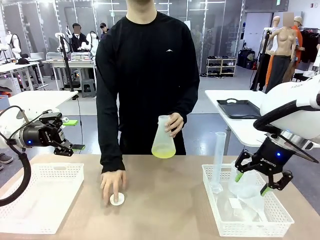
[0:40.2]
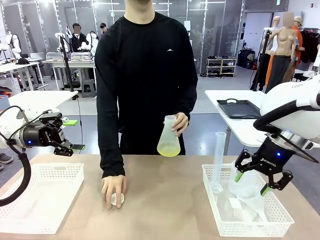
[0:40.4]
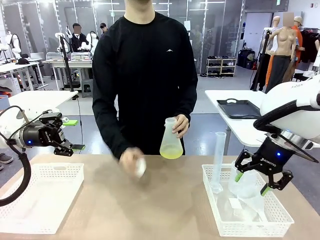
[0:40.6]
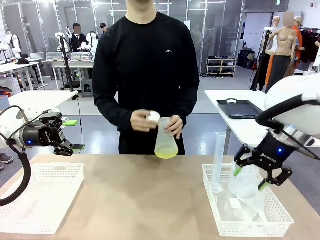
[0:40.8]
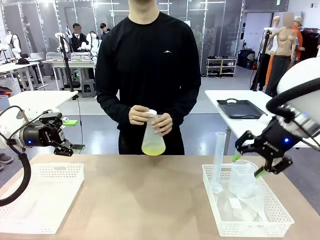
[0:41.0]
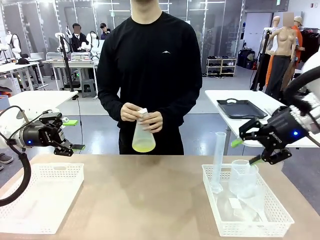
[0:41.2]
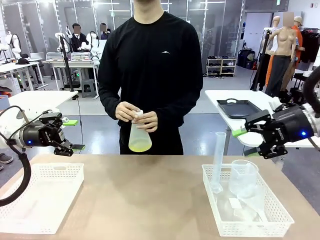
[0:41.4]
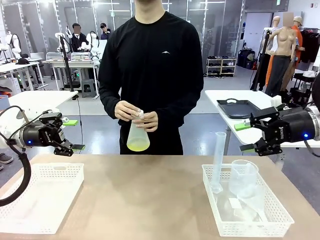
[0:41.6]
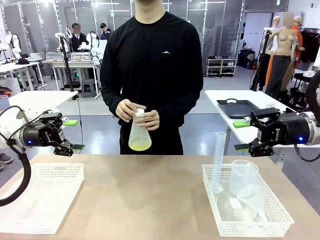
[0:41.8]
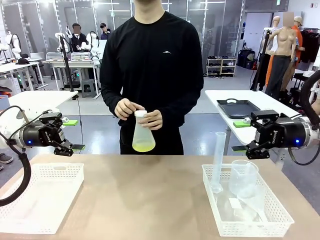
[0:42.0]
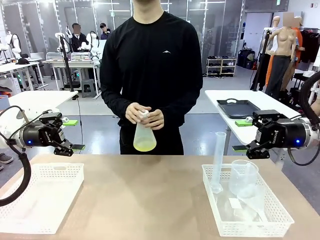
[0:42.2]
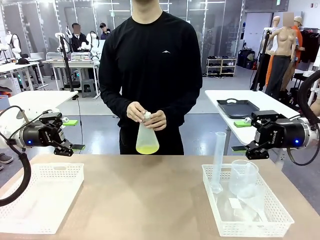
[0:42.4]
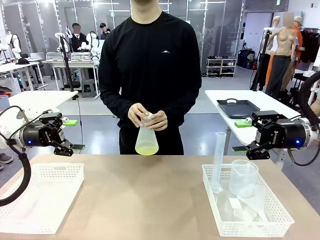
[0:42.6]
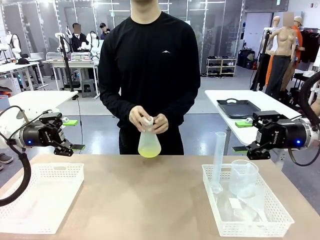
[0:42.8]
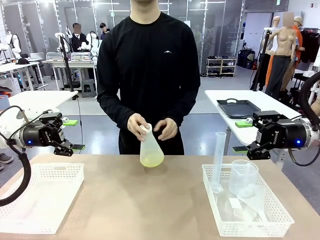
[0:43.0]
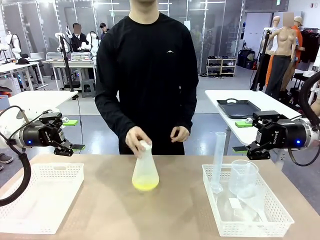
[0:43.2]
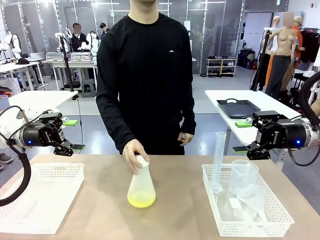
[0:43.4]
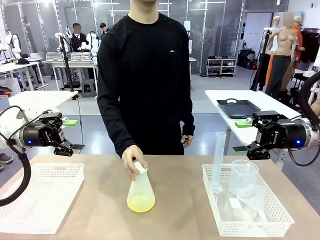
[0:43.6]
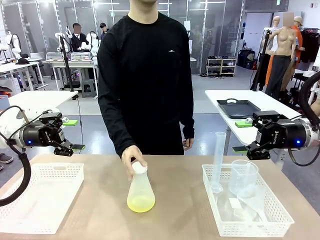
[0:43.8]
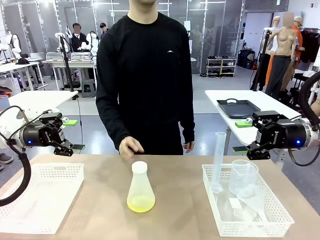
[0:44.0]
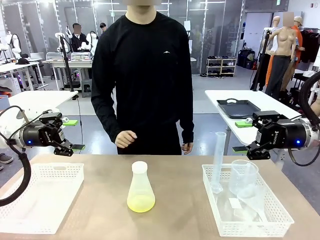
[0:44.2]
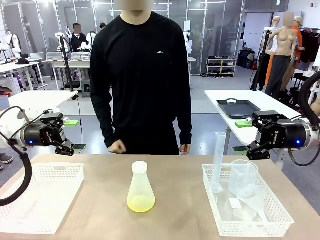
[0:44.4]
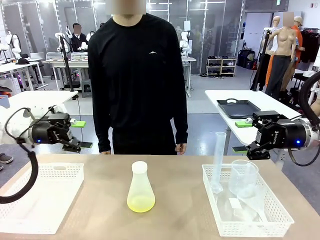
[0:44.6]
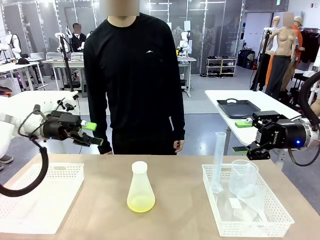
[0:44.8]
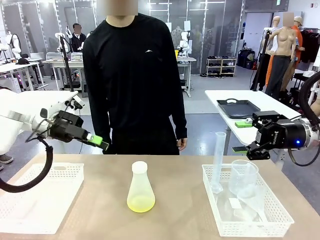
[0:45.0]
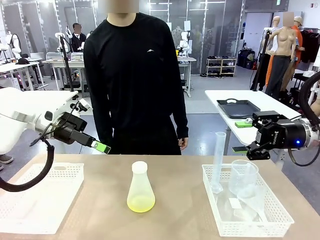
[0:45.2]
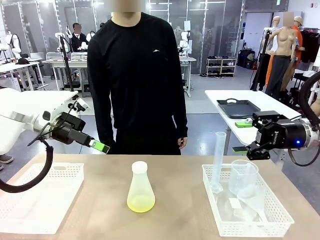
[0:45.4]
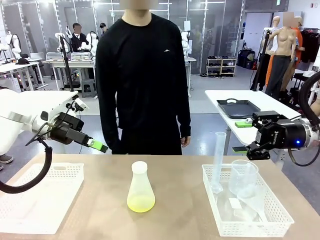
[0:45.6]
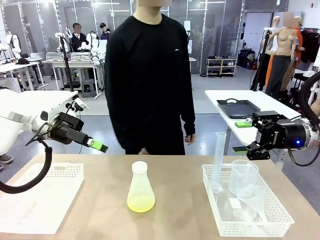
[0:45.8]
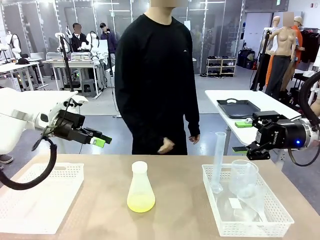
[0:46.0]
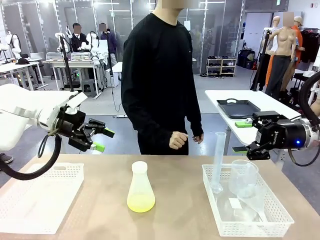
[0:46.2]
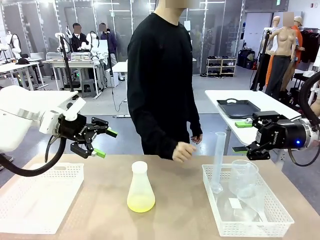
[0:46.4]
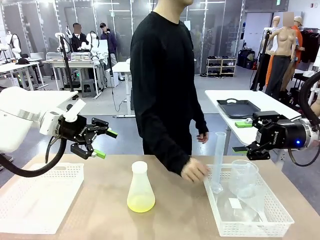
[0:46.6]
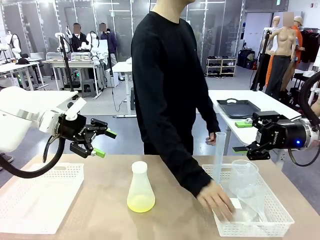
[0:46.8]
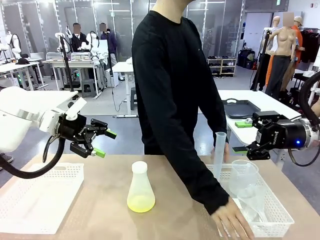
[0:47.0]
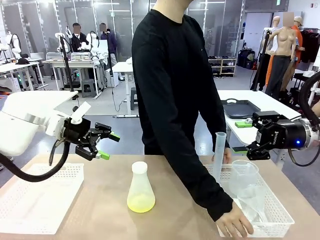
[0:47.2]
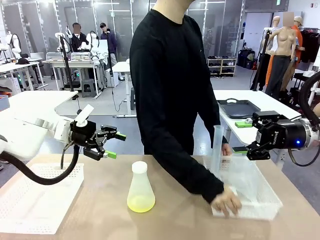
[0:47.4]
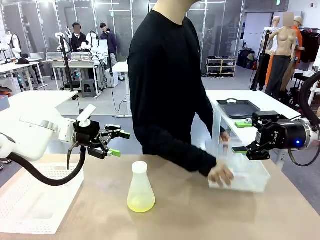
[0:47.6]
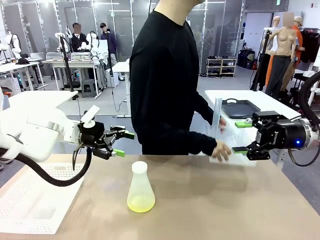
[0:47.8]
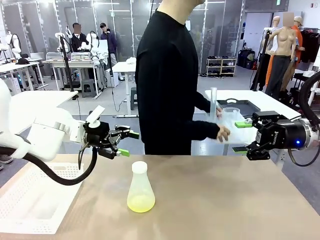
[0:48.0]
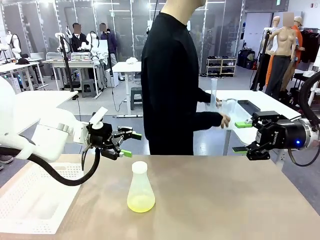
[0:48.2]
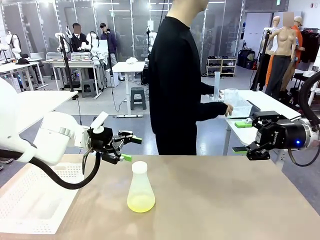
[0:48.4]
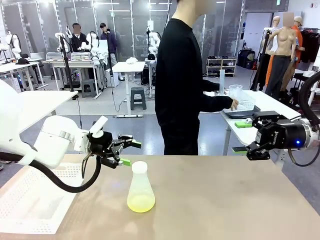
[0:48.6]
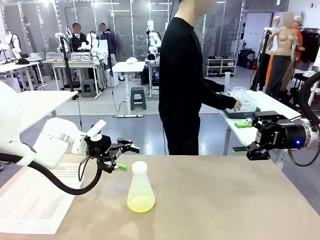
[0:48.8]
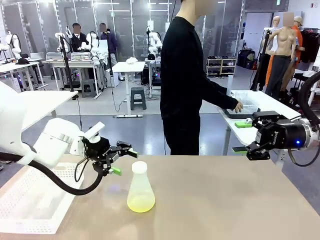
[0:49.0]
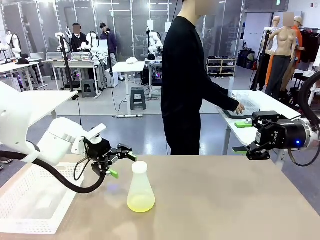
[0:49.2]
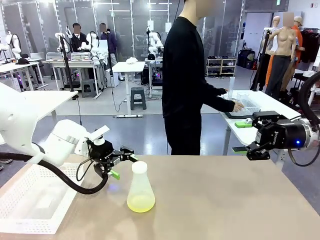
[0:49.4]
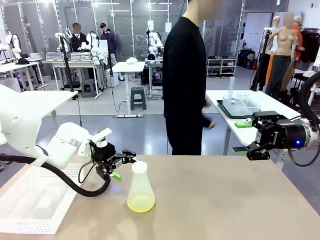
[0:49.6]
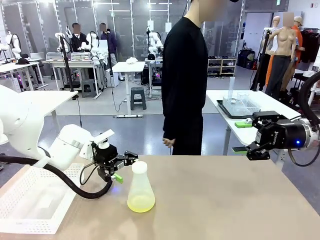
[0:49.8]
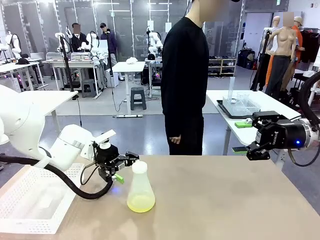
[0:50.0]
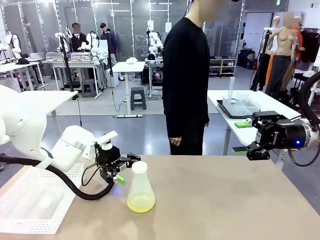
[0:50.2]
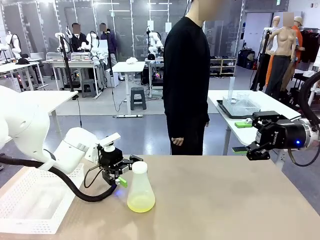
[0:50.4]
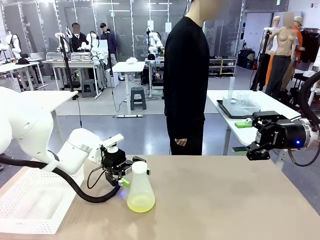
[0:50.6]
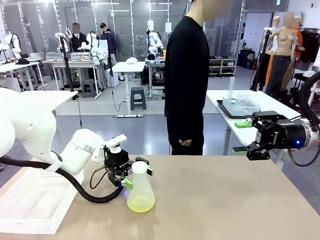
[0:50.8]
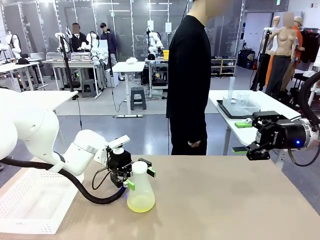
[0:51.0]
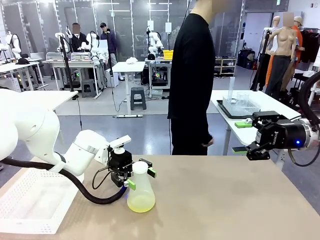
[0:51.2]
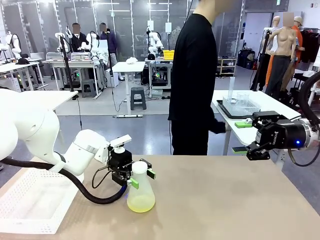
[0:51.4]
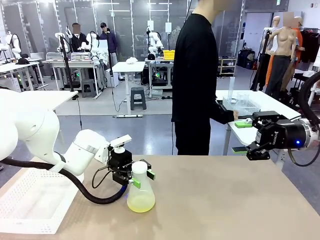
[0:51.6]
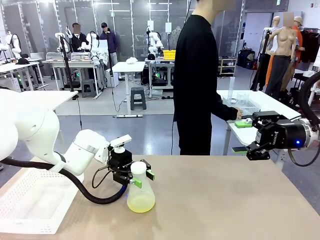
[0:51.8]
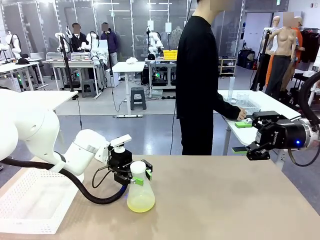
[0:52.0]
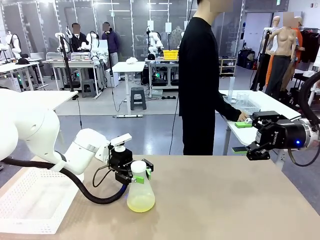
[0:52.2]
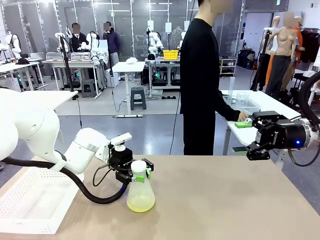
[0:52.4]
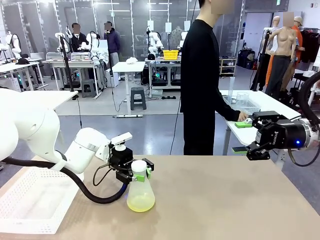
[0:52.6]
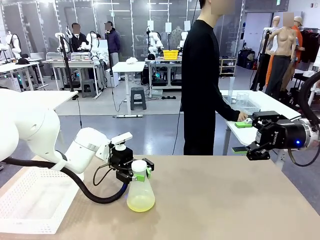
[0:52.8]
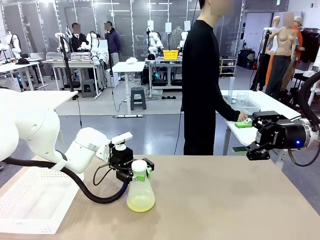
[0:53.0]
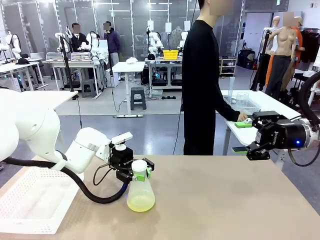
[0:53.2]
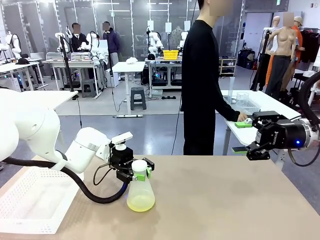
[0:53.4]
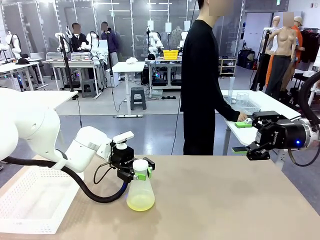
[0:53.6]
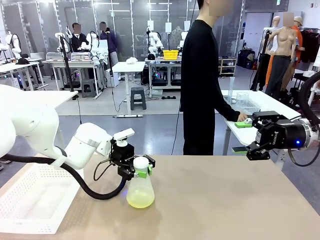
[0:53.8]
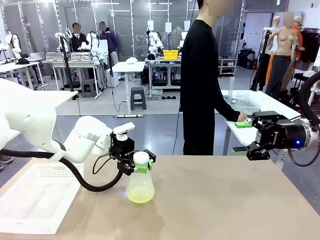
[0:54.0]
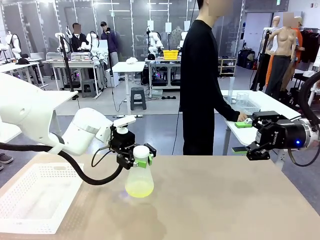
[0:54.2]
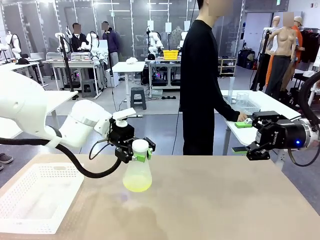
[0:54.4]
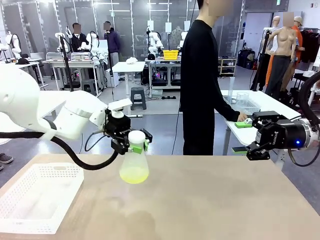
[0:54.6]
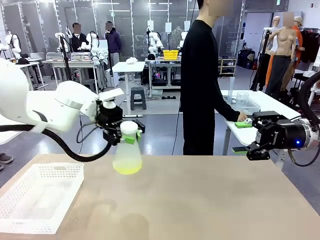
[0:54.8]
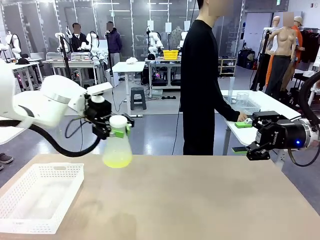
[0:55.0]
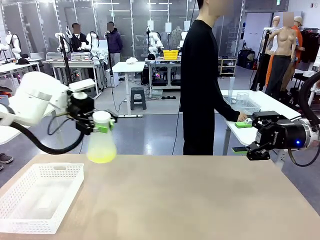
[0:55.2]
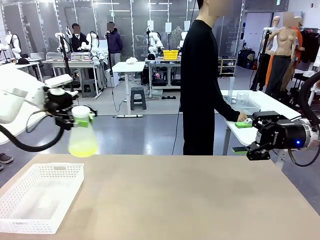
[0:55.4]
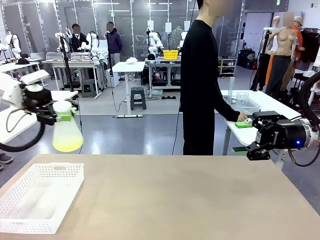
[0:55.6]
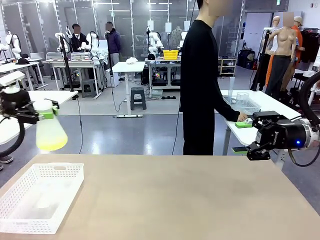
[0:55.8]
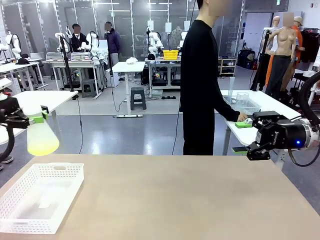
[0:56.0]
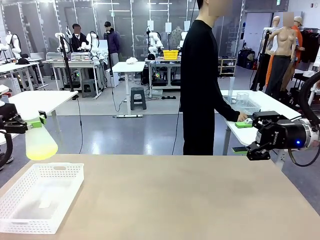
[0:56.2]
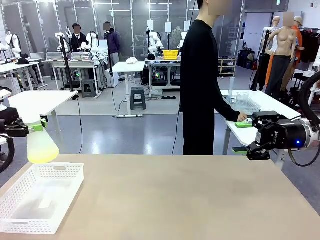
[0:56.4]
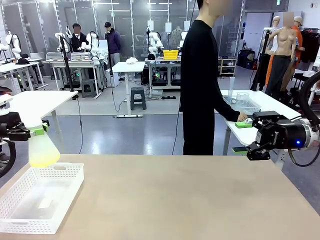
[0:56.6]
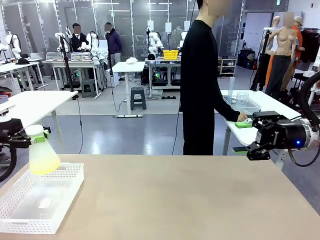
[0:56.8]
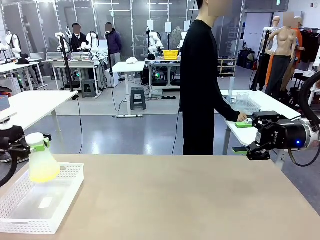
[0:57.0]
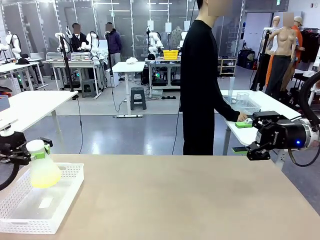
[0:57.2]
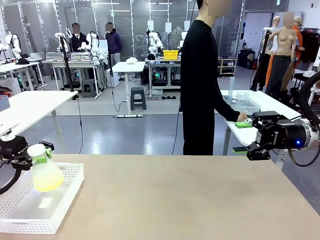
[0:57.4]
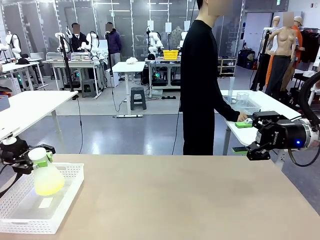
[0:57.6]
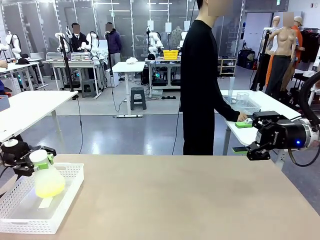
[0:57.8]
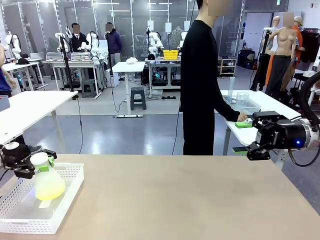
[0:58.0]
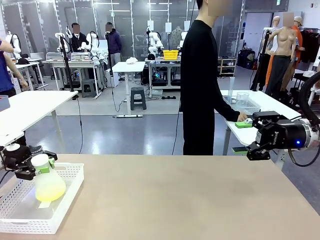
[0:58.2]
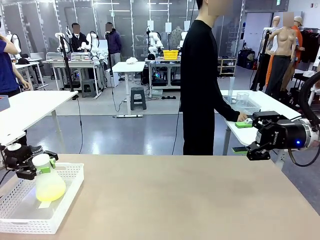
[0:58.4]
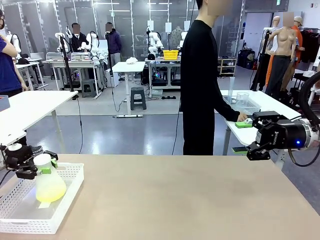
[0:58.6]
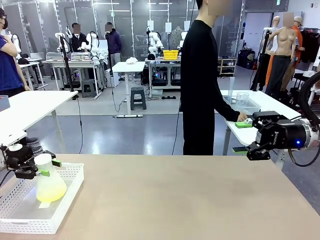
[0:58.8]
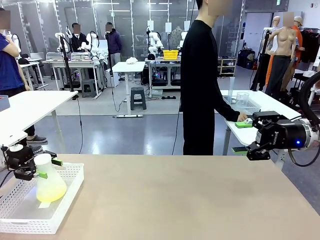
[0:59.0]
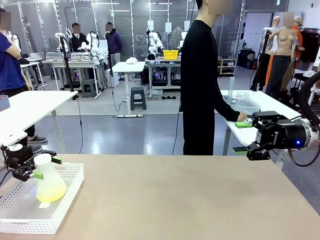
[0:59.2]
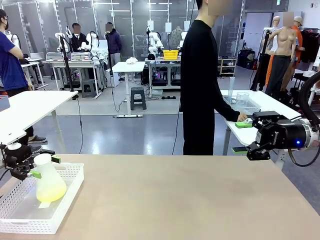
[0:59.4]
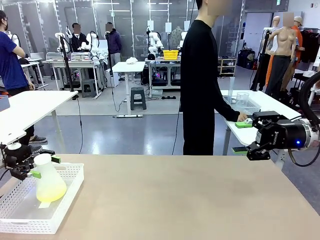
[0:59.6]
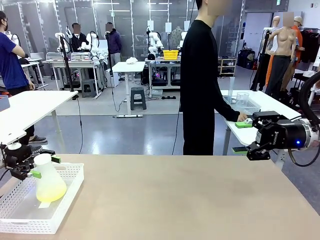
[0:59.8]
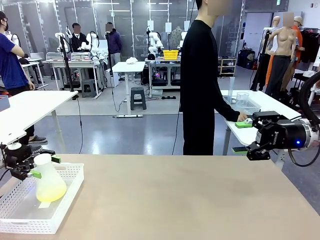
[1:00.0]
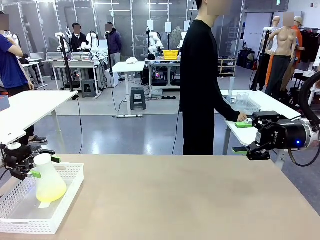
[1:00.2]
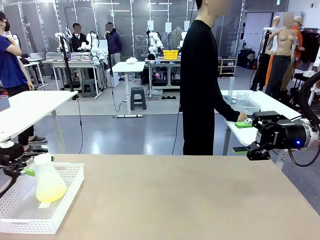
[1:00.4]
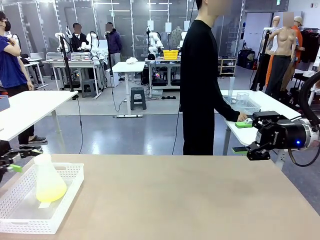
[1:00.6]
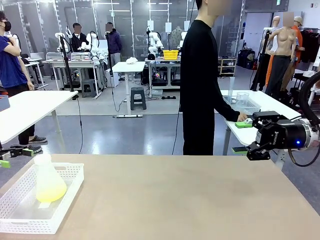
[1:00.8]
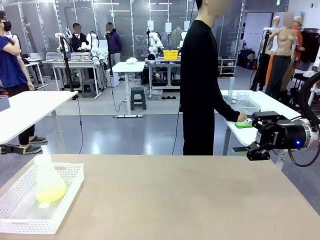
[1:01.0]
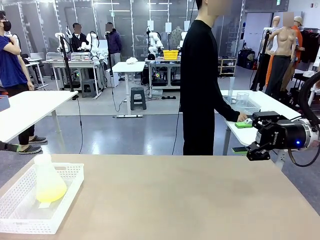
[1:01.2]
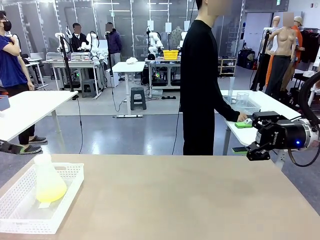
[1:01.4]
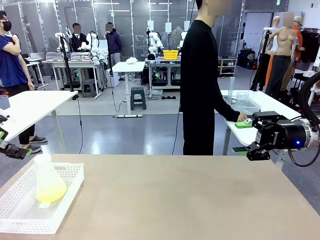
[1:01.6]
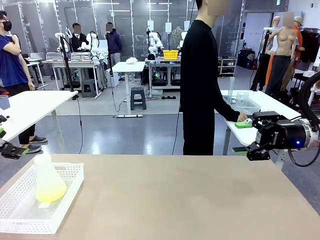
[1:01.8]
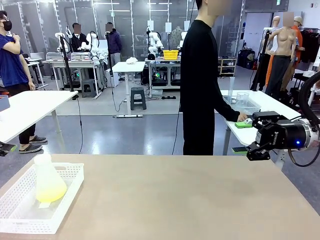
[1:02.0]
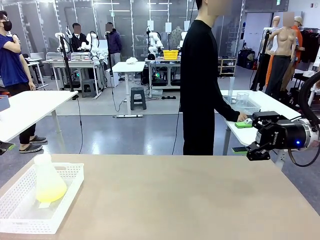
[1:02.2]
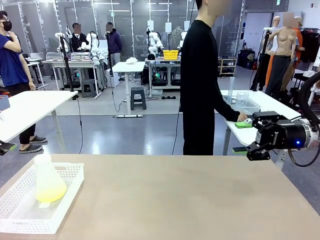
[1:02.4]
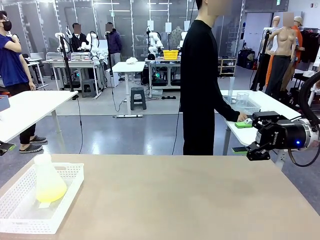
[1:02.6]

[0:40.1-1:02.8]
Task: Prepare the solutions needed for the experiment.
Robot: When the human places the Big flask in the center of the table, pick up the Big flask and place it in the left Organizing basket.
Person: Pick up the organizing basket on the left side of the robot table and place it on the left side of the human table.
